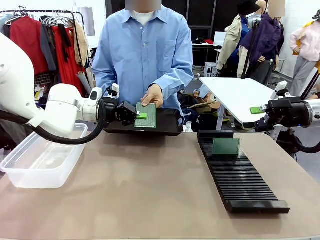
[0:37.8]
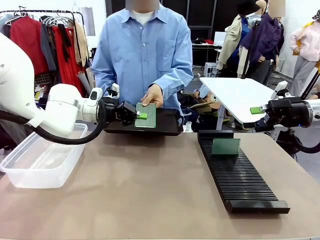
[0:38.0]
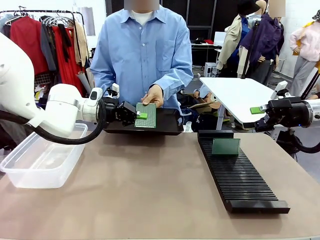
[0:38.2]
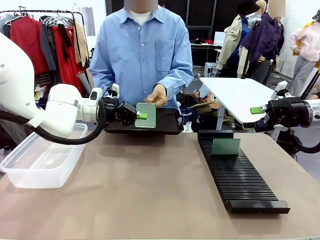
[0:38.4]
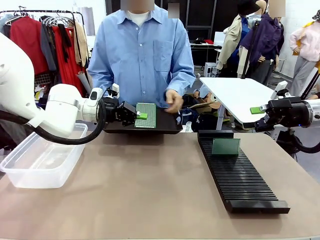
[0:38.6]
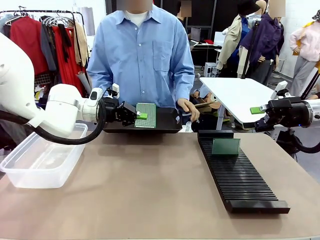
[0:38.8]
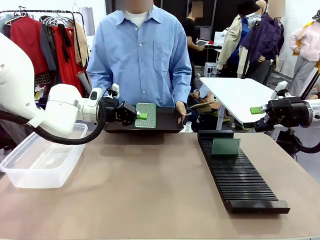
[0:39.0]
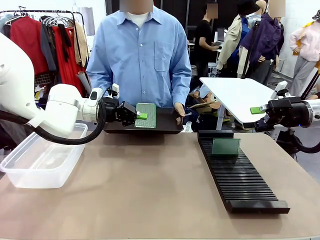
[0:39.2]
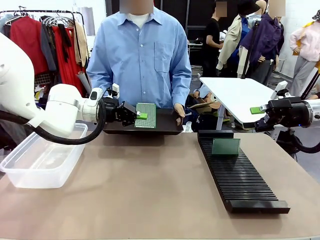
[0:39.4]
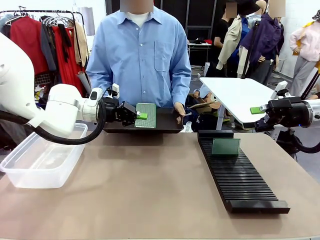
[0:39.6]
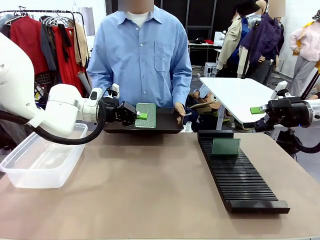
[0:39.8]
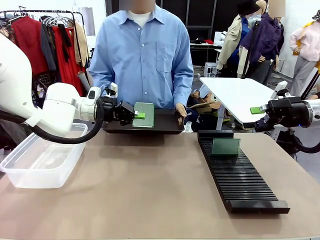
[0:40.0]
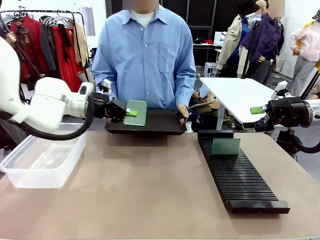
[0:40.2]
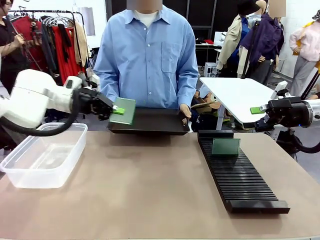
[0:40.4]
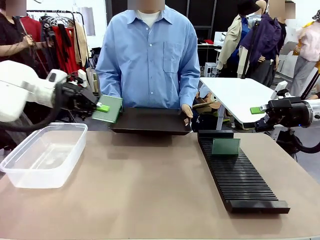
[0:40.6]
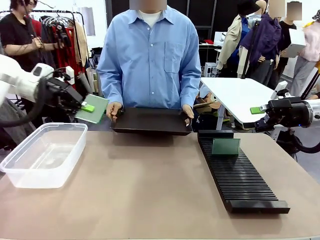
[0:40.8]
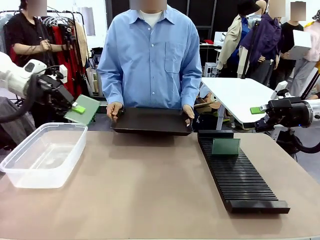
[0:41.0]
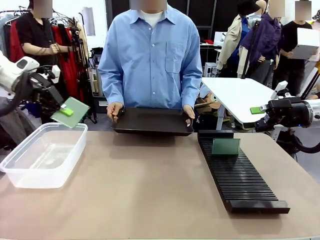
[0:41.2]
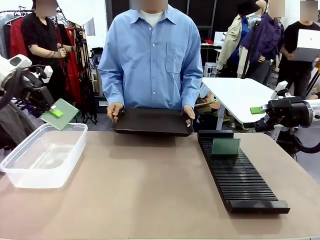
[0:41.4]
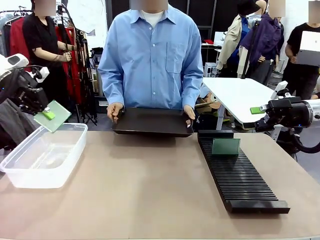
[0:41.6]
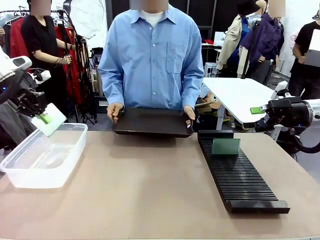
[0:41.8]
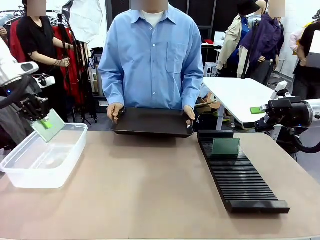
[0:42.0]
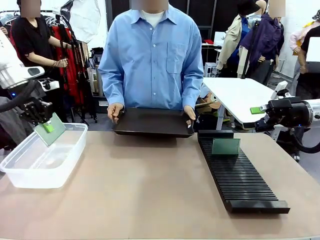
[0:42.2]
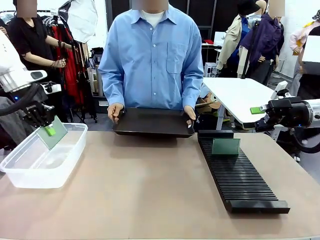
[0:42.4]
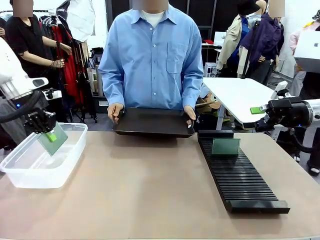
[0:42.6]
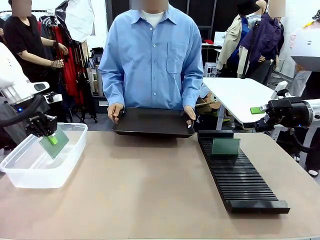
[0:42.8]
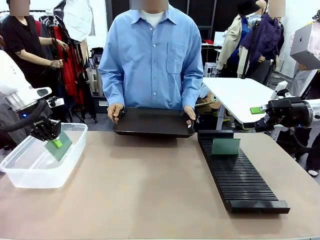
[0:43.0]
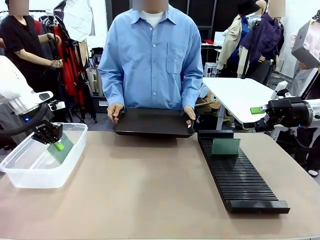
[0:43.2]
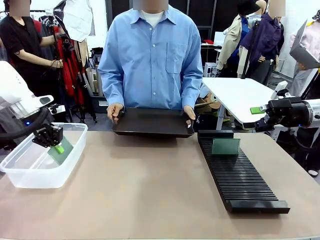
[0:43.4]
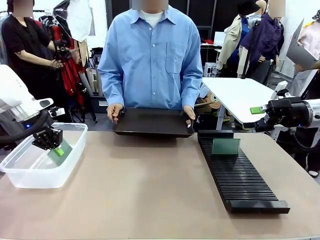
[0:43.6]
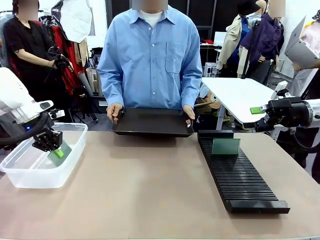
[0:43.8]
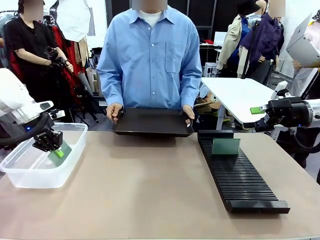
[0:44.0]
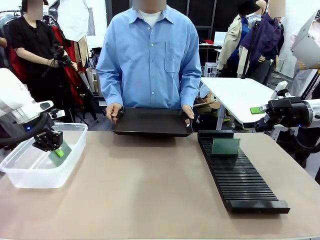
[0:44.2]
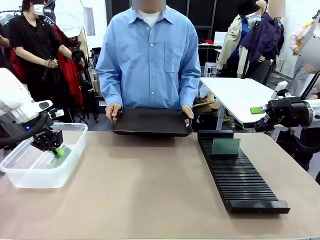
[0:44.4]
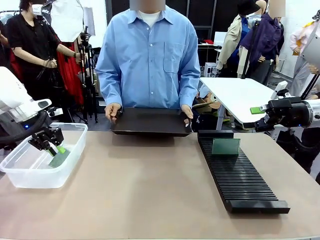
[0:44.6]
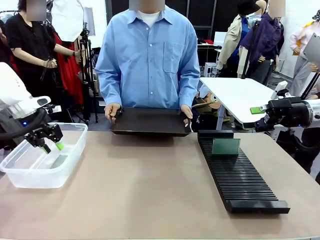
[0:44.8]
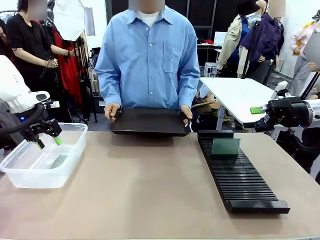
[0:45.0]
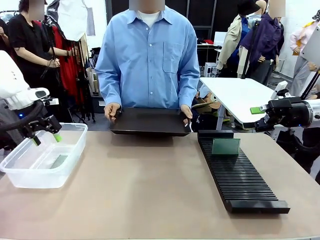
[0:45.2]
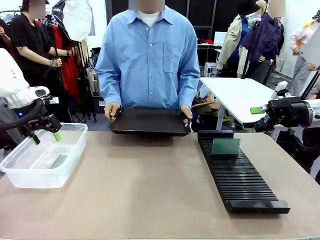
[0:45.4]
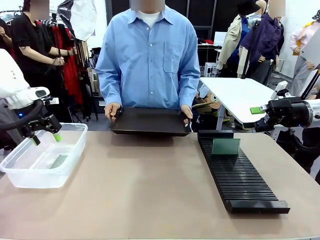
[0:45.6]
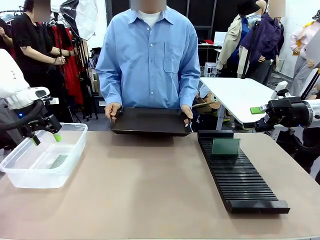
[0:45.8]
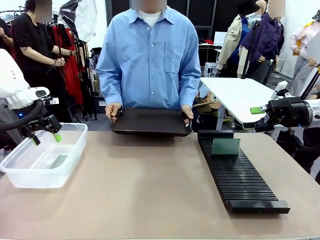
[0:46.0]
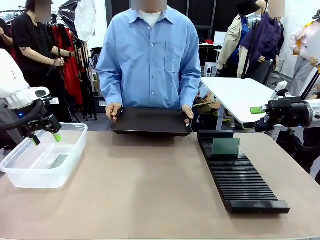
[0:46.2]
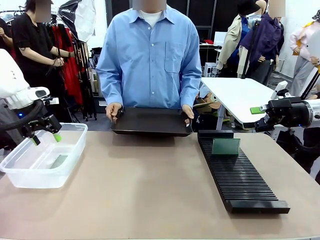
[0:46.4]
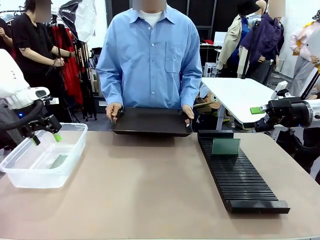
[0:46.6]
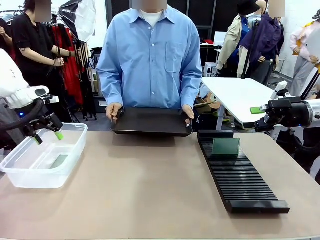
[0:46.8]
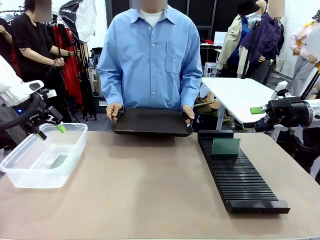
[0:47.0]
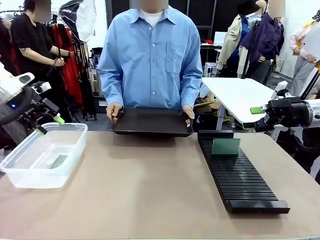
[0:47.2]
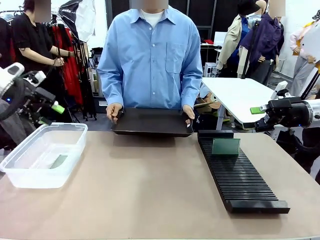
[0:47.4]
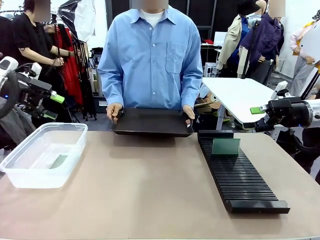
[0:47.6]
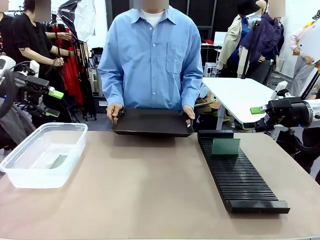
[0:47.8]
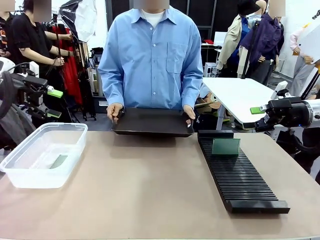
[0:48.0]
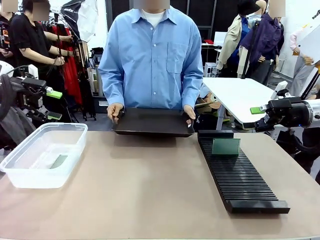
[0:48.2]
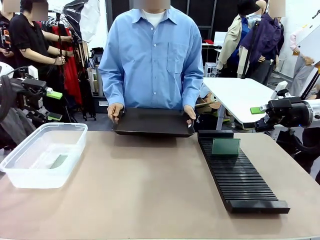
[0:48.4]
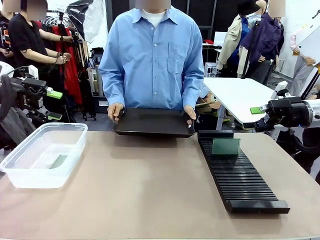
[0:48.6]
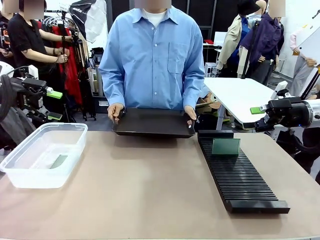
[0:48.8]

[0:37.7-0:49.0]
Task: Sort PCBs into racks and boxes based on the side picked up.
Robot: If the short side of the Blank PCB is picked up, insert it into the PCB Rack ; if the long side is picked up, place it in the Organizing box.
Person: Release the PCB being held.

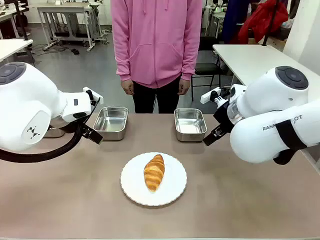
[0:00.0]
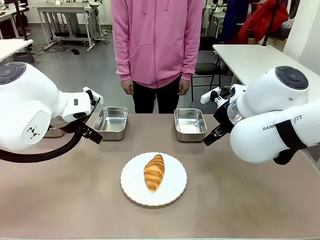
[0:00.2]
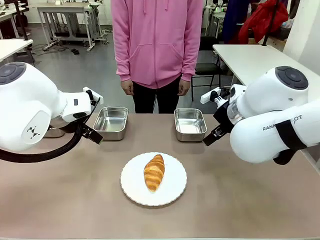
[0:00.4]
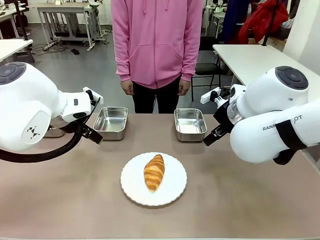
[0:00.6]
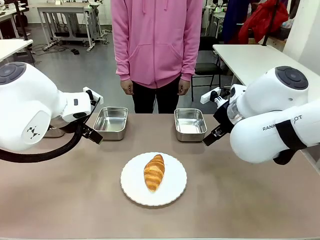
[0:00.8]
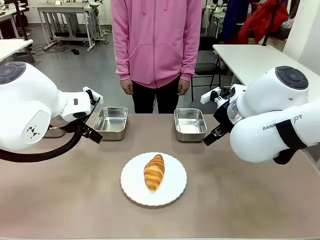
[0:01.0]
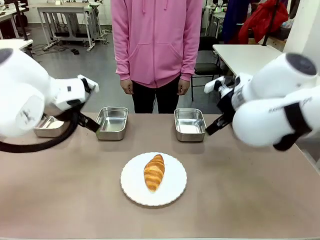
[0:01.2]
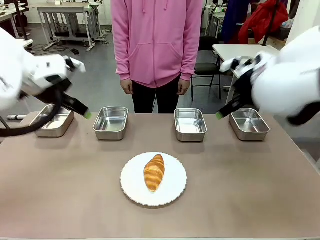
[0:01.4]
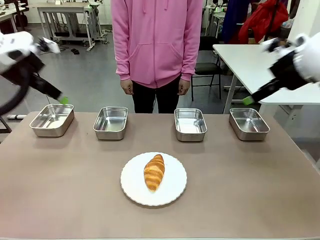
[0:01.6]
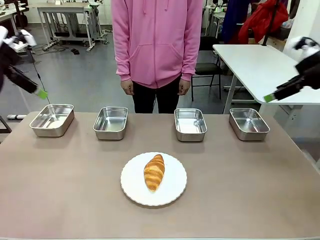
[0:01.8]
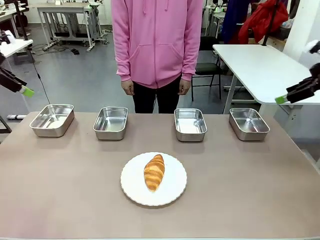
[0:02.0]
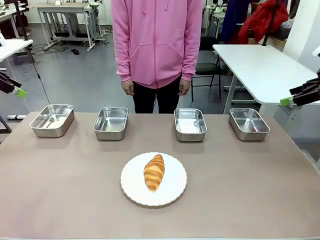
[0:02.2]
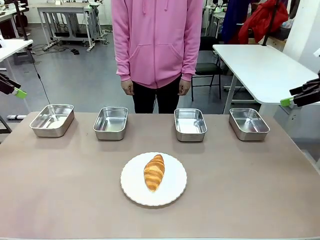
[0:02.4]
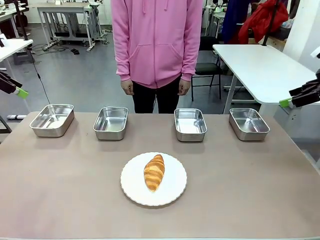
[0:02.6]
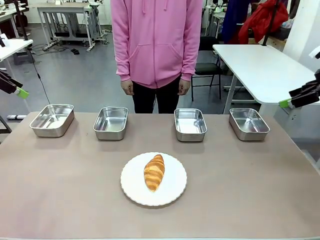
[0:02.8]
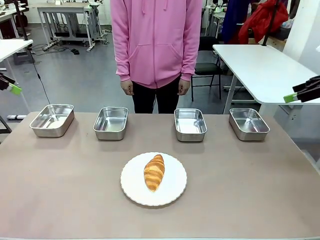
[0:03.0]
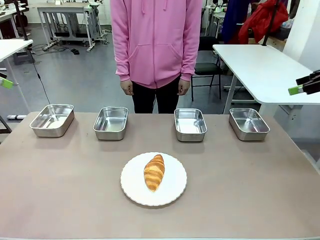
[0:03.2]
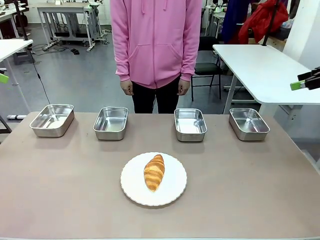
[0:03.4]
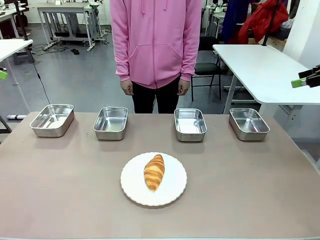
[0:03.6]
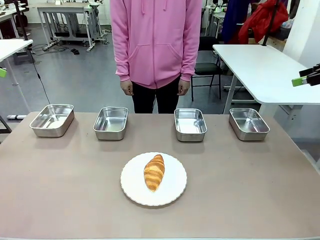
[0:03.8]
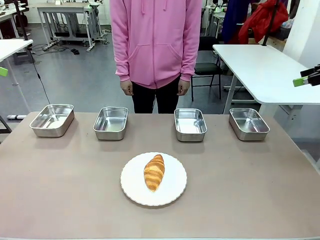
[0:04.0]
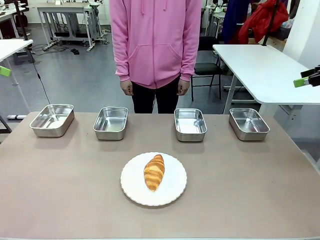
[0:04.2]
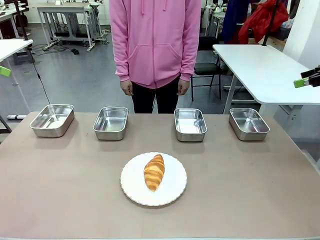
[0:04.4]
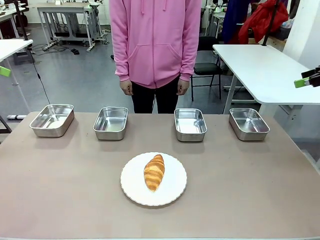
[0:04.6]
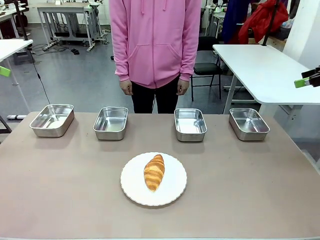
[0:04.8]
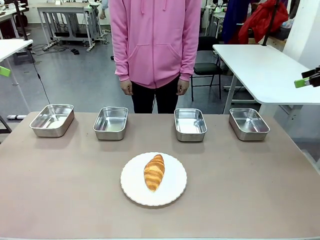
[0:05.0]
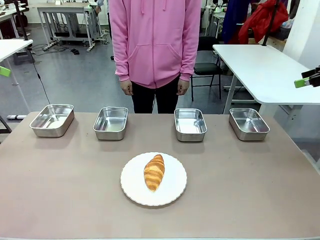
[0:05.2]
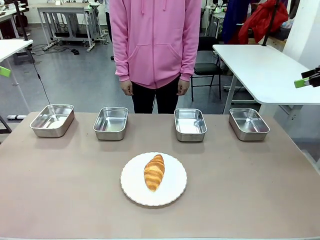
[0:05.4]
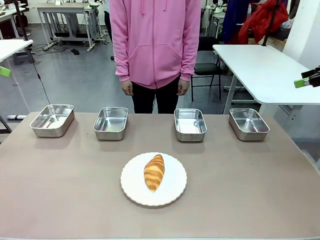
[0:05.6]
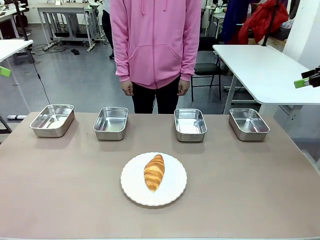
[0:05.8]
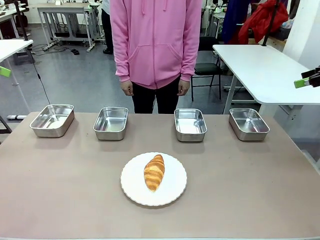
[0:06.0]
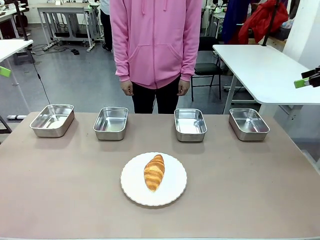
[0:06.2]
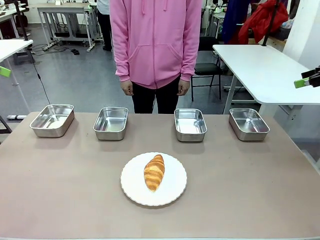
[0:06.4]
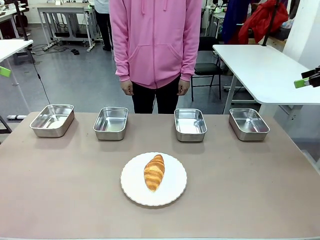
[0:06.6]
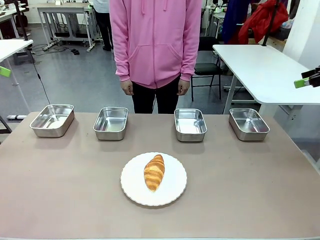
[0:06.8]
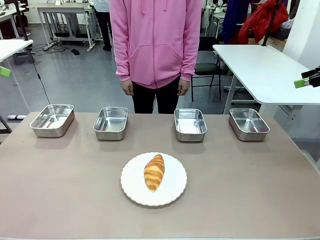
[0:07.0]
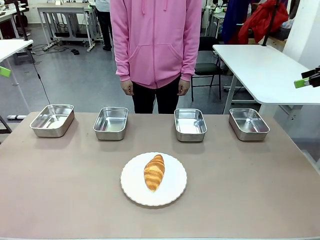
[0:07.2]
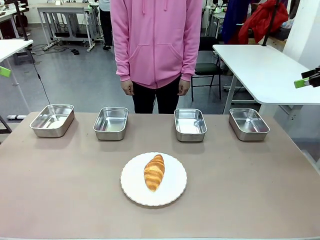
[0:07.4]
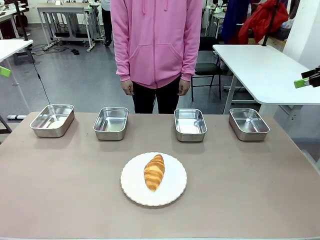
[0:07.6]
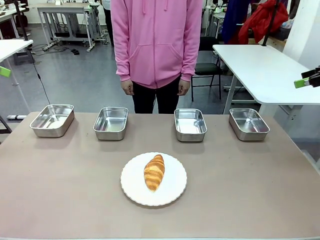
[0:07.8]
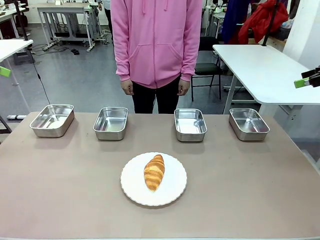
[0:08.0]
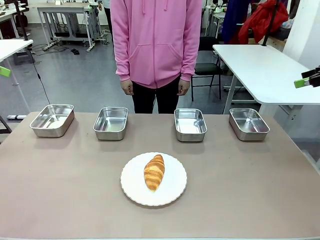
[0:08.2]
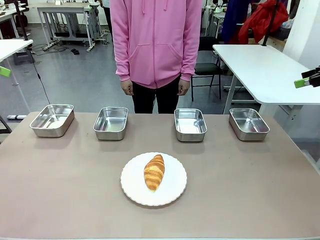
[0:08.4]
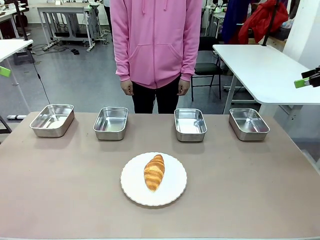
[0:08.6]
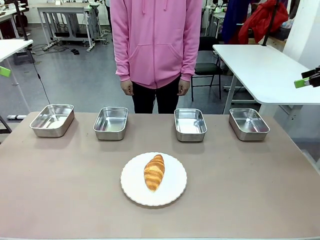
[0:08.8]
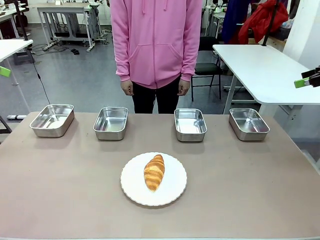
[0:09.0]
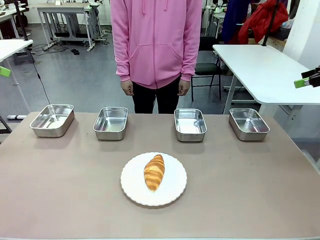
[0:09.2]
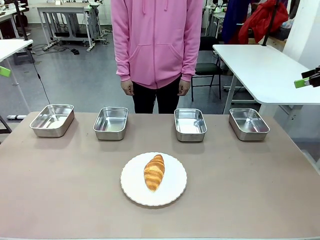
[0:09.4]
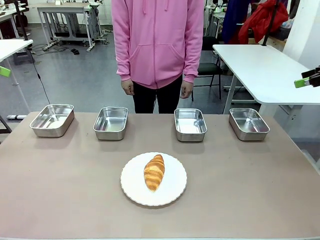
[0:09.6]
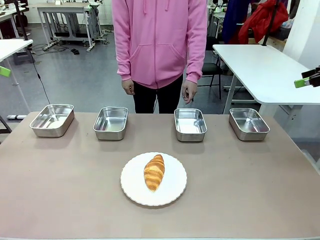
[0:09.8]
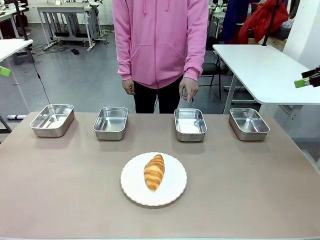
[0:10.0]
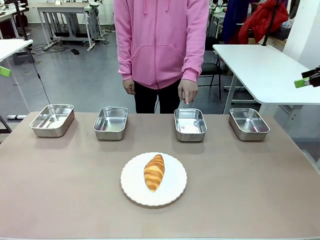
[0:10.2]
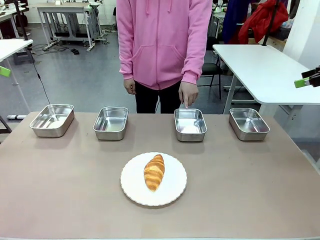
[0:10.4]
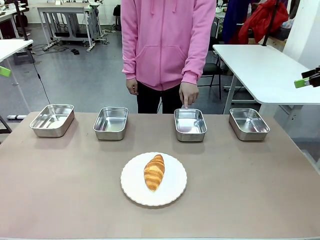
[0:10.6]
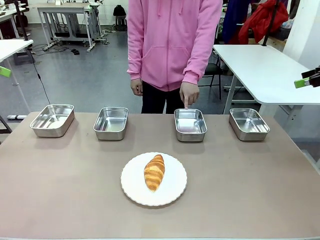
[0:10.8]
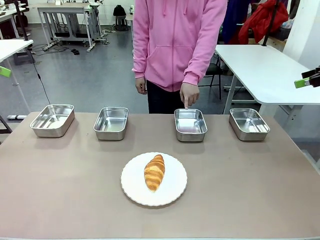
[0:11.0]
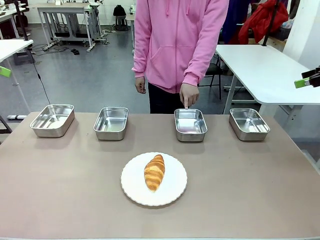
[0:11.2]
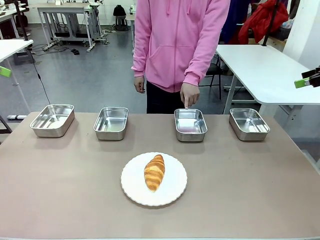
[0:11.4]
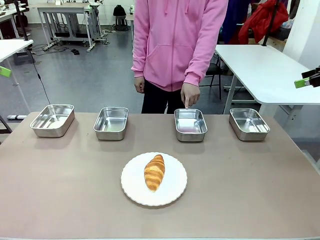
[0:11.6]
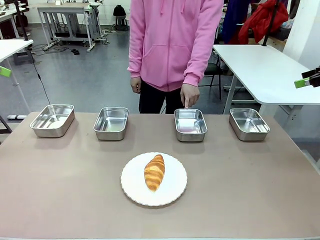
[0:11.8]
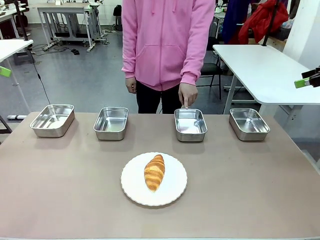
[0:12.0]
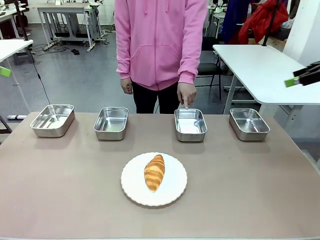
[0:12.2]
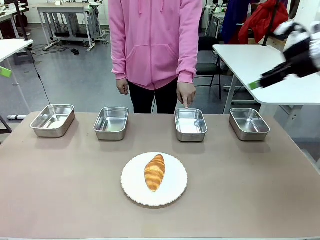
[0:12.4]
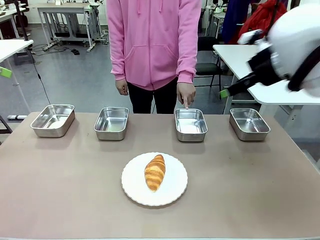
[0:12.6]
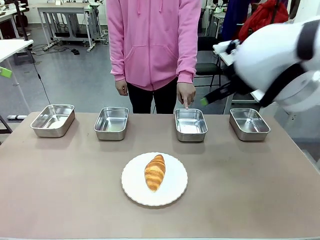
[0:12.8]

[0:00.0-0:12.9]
Task: Place the bread in the container.
Robot: Place the Butter Roll into the Airtight Container indicated by the human.
